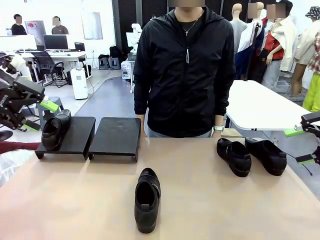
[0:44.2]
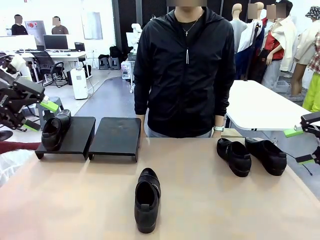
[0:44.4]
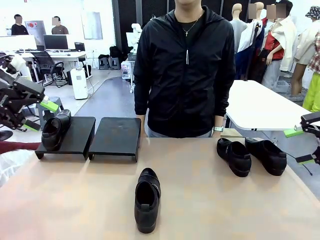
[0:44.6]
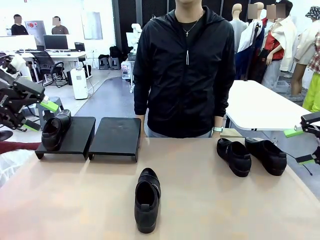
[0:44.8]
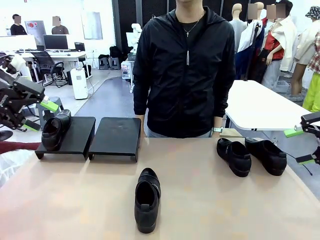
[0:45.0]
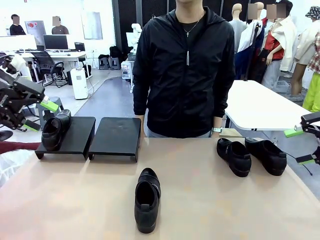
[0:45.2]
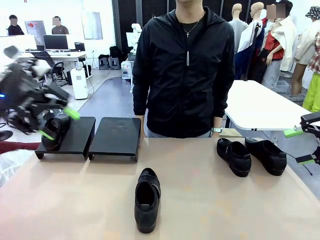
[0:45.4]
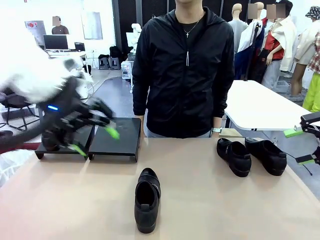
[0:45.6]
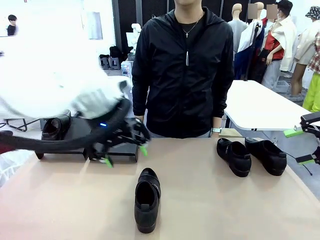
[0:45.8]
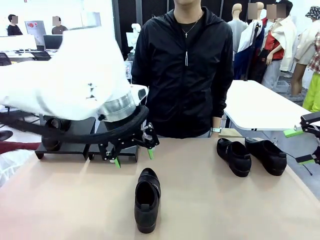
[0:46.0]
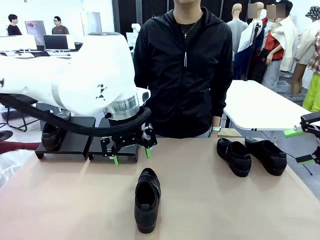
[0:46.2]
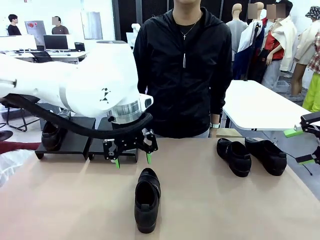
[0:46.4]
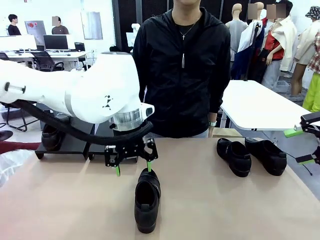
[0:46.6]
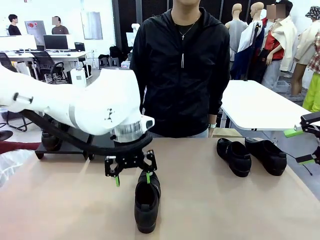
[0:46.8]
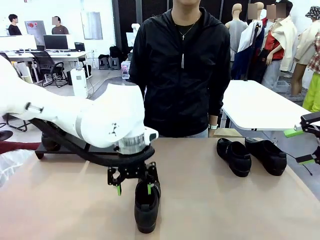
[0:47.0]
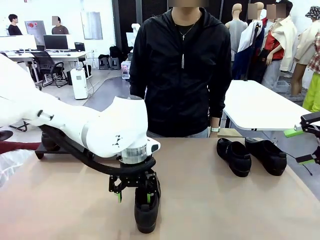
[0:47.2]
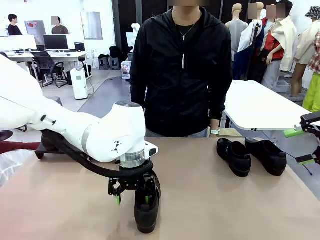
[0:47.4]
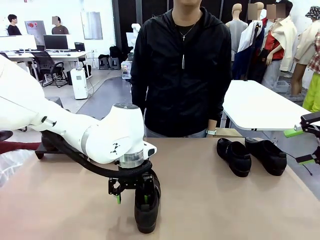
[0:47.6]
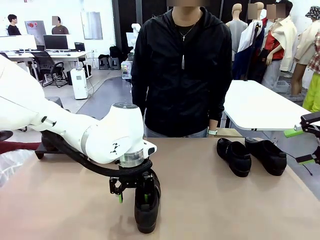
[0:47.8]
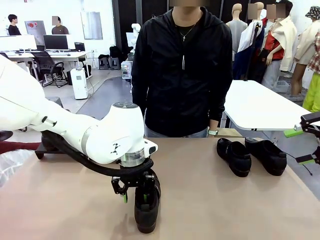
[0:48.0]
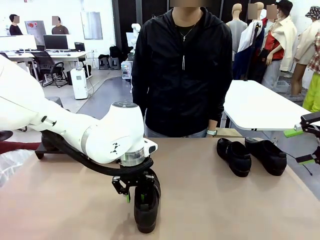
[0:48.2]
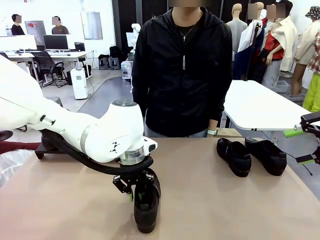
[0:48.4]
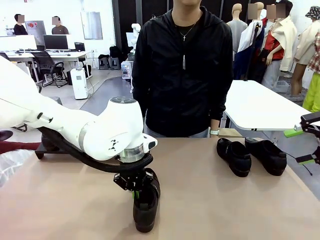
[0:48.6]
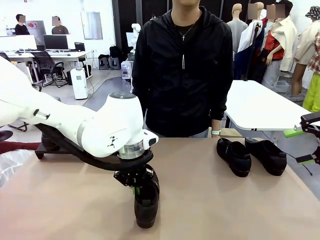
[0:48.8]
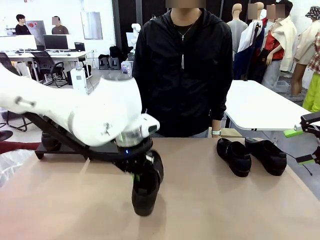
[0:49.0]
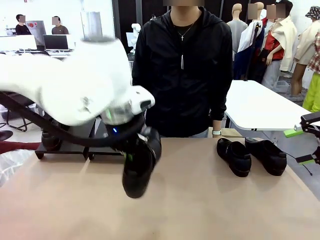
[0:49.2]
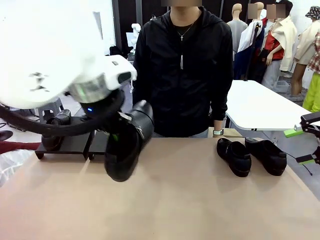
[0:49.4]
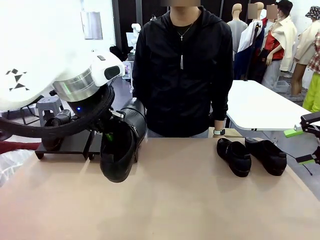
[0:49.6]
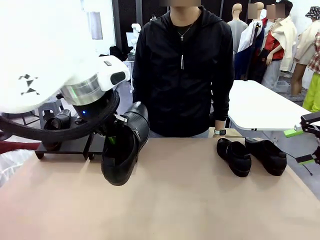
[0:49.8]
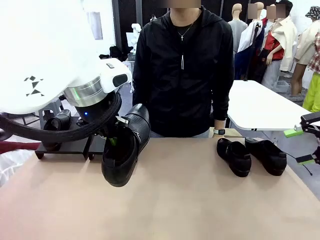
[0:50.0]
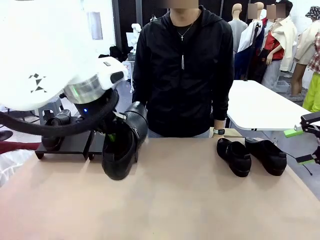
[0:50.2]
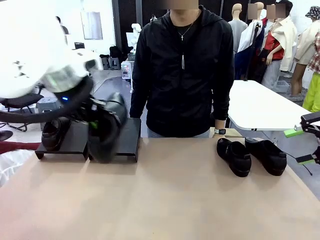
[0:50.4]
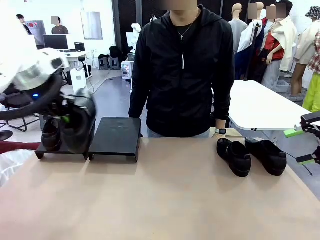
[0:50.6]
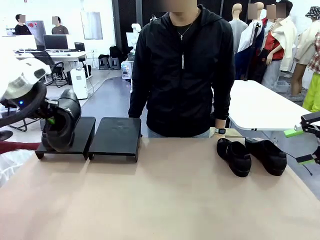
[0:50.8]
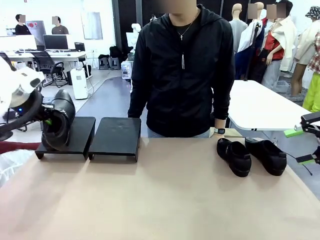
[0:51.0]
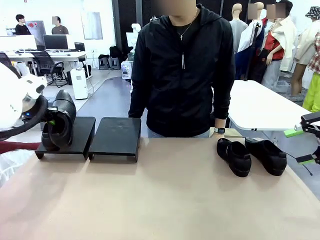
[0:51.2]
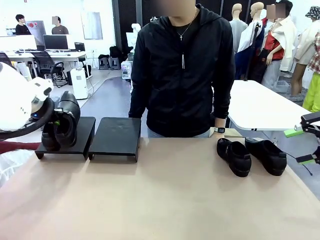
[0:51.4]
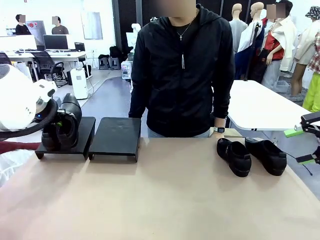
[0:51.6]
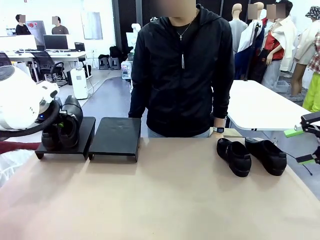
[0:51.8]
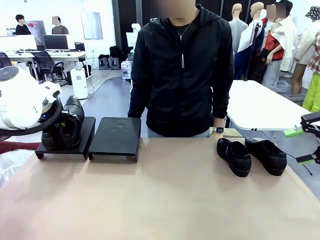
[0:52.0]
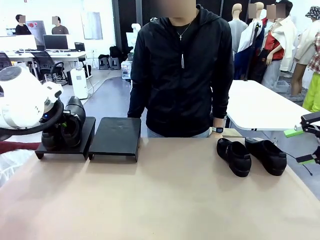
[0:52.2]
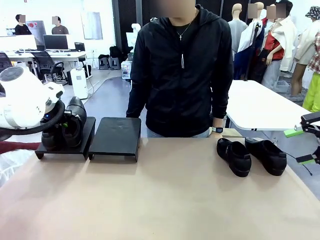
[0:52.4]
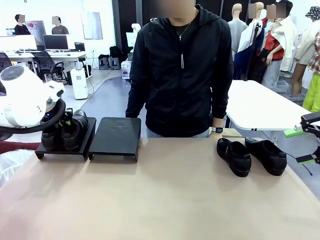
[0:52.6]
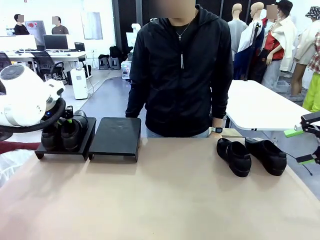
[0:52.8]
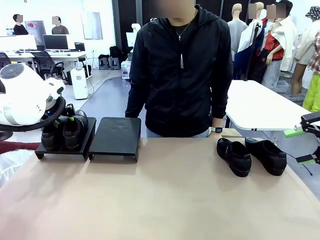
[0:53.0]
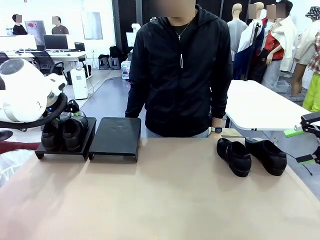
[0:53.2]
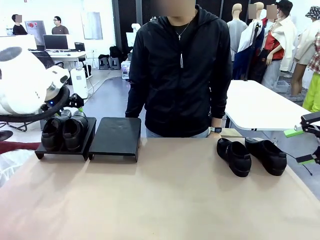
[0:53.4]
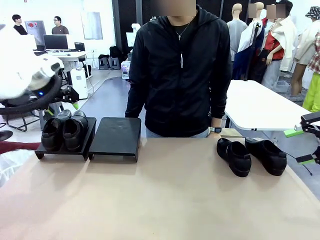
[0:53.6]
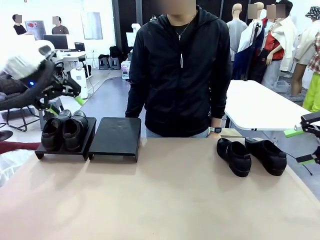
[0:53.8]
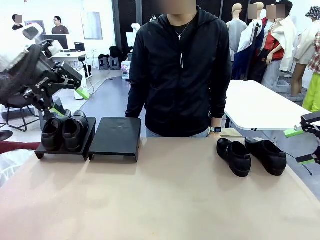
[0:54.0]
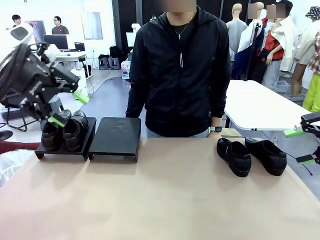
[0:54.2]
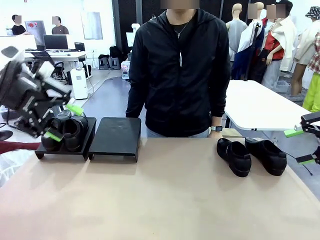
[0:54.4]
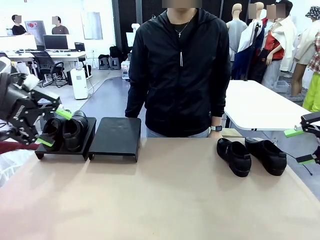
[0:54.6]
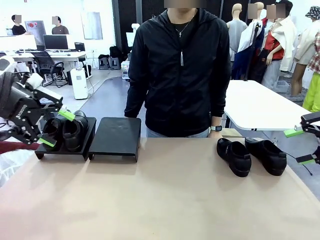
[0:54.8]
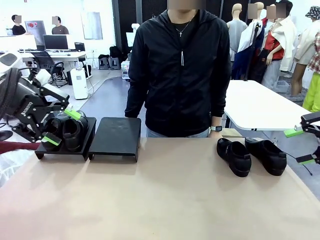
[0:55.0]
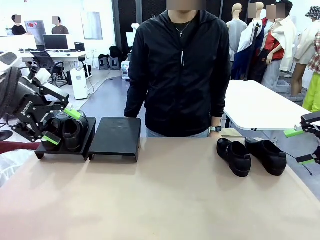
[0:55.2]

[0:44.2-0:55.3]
Task: Organize the shoes by placing them on the stand.
Robot: Place the Shoe from the middle of the table onto the Shoes Stand.

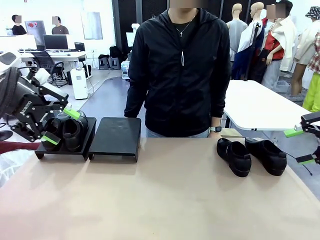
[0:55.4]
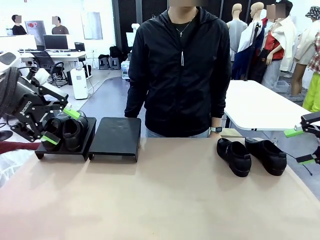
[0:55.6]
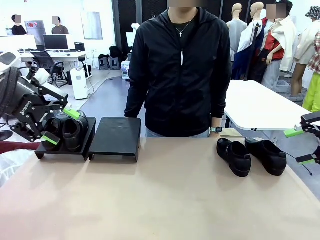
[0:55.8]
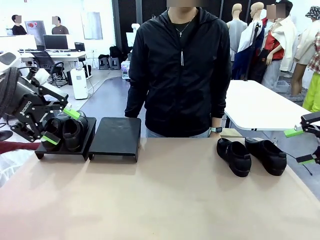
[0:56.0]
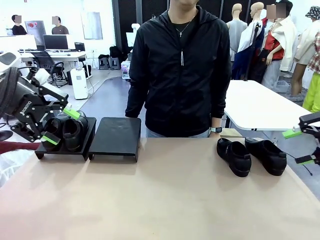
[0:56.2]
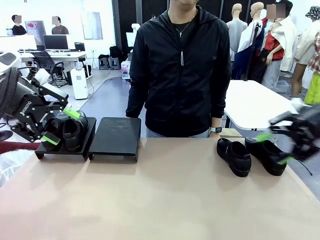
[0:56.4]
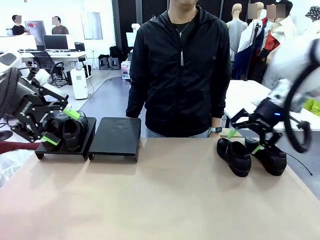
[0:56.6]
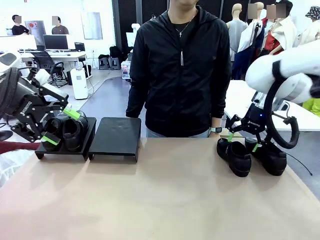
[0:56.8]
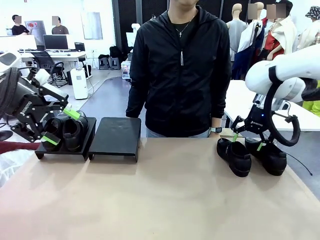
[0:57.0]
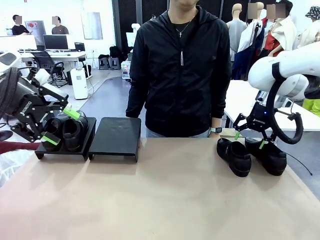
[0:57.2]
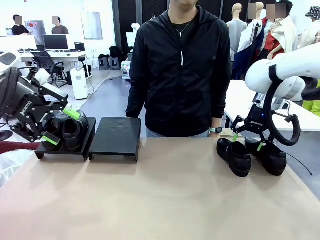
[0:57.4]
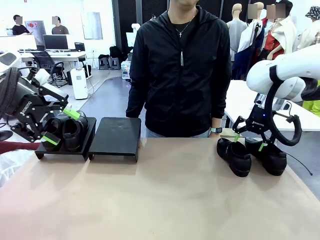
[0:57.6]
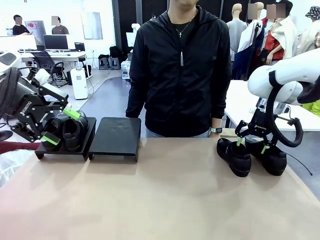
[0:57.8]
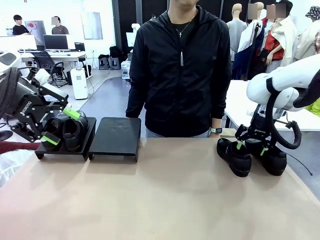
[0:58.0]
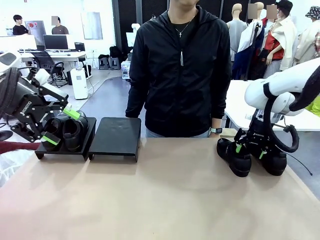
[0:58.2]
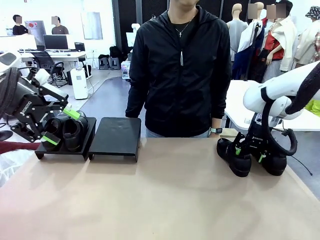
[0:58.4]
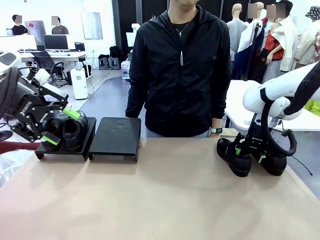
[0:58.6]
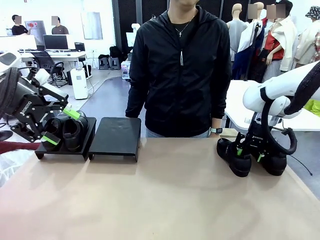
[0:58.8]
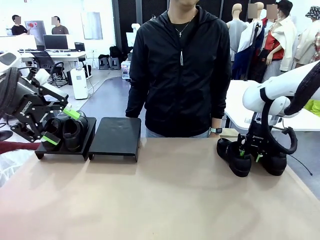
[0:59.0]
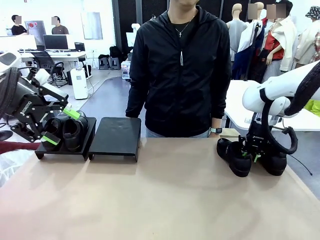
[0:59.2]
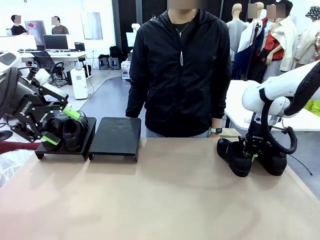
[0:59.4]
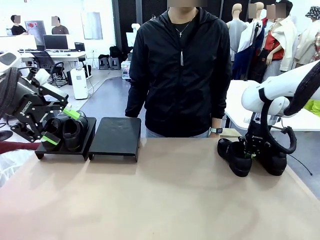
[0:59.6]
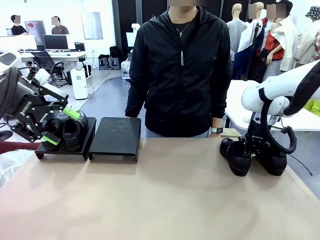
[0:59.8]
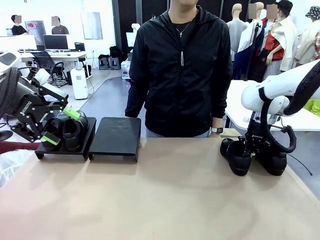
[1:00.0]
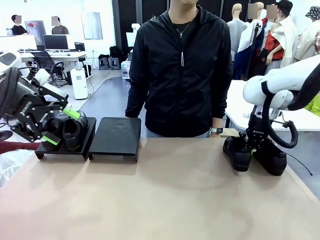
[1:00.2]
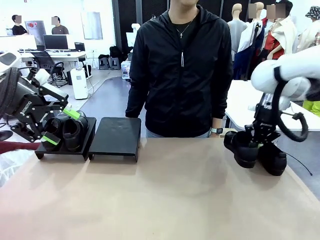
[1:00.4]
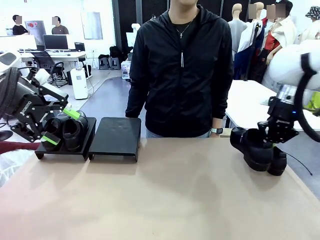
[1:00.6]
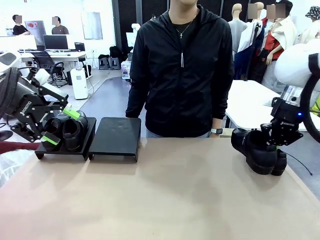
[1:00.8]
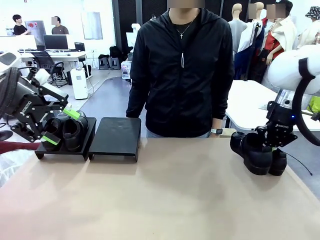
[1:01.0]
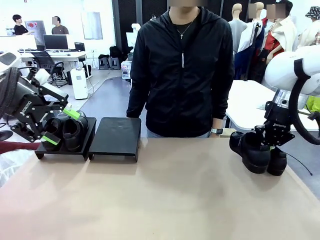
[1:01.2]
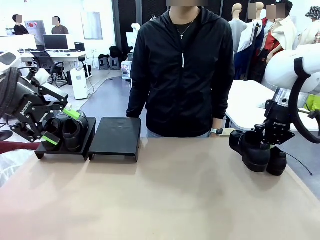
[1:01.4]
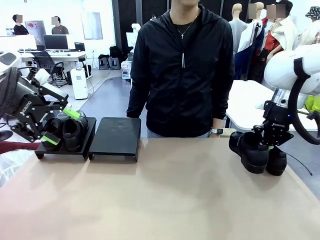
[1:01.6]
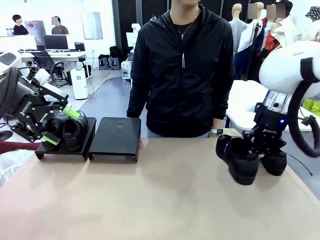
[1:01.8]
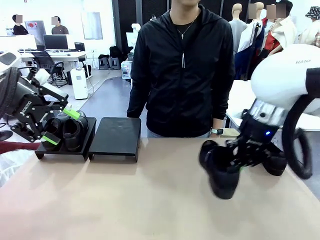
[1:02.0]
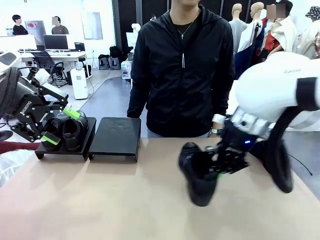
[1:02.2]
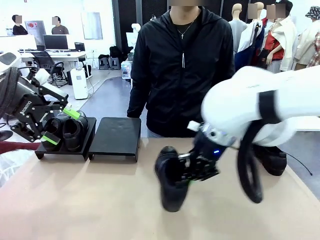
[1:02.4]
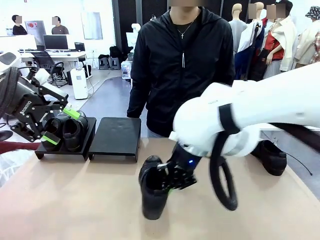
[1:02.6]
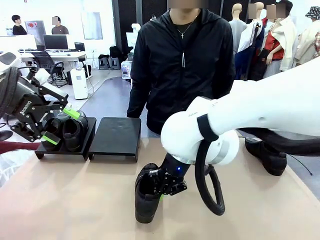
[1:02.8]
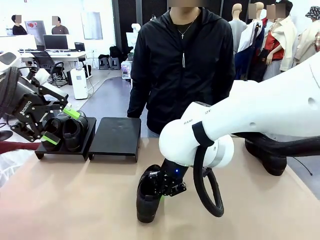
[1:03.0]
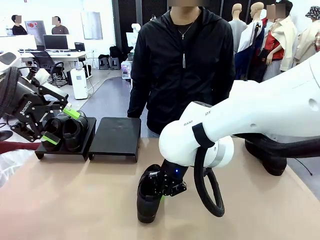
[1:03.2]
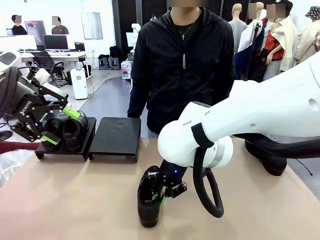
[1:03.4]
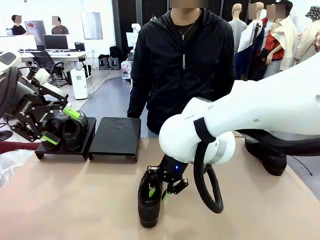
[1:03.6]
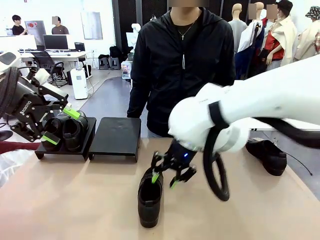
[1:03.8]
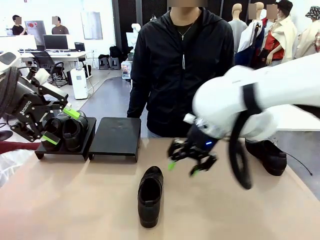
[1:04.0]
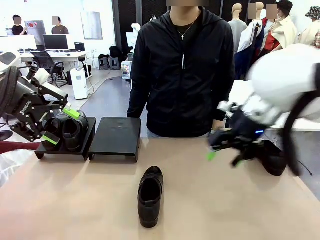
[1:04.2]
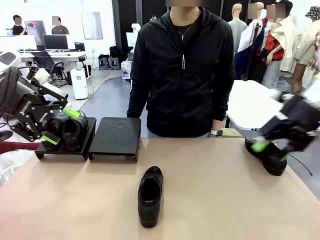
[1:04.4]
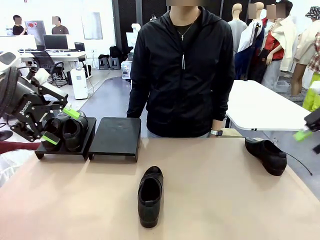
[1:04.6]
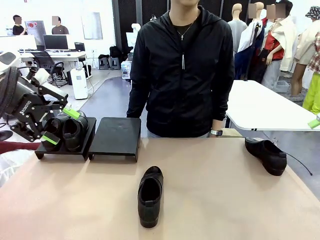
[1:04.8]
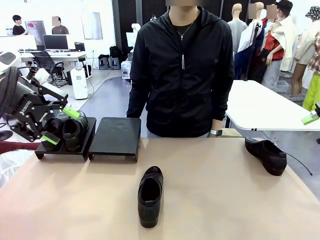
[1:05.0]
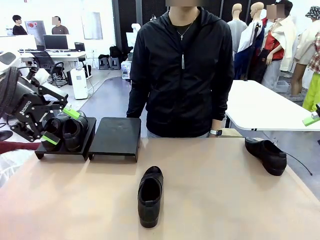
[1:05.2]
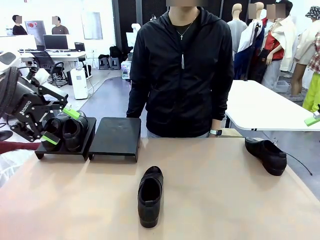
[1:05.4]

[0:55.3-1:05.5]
Robot: Pick up one Shoe and place it in the middle of the table.
